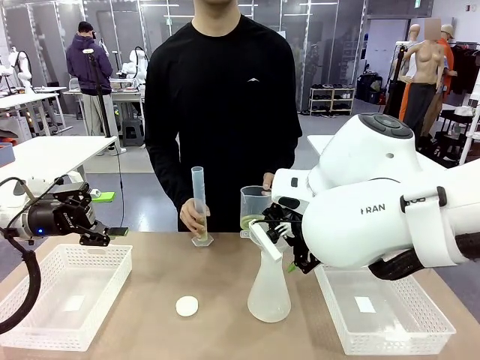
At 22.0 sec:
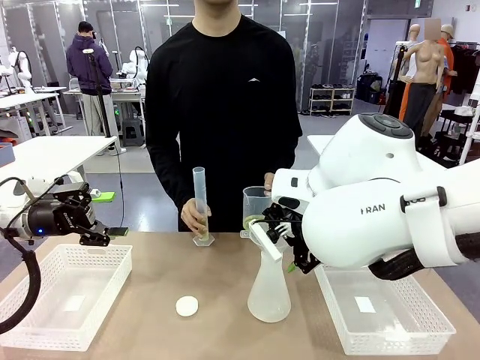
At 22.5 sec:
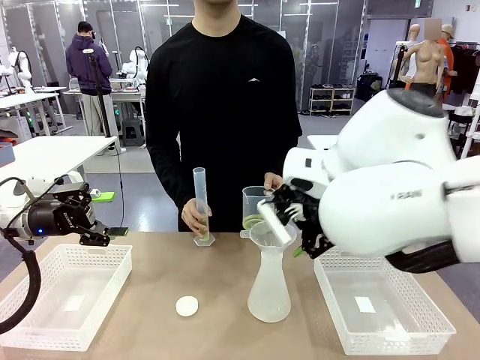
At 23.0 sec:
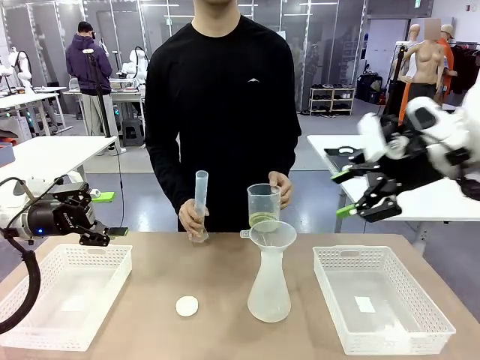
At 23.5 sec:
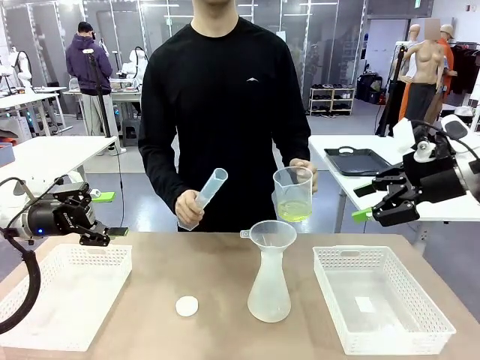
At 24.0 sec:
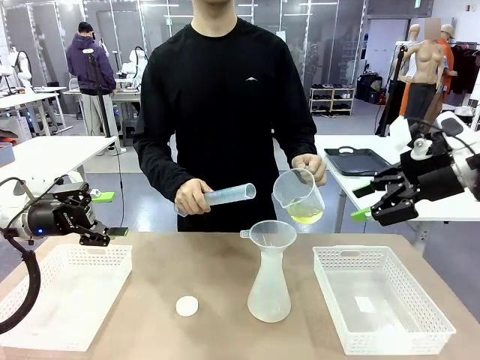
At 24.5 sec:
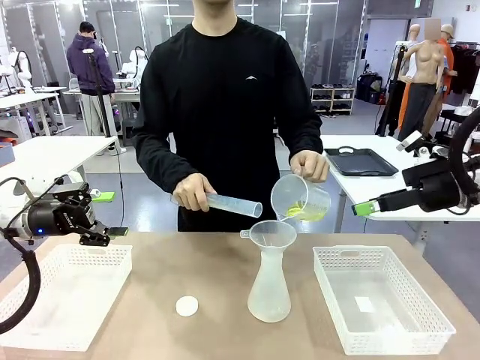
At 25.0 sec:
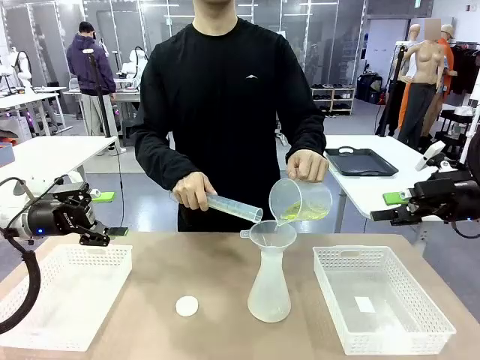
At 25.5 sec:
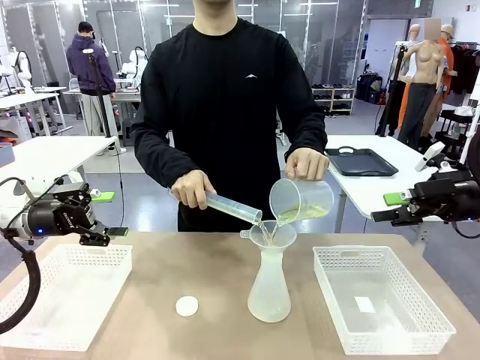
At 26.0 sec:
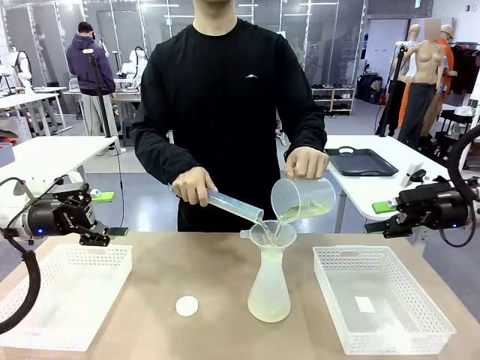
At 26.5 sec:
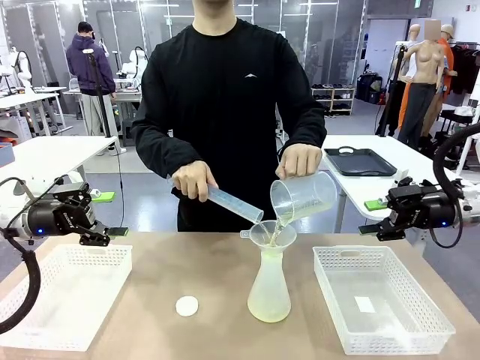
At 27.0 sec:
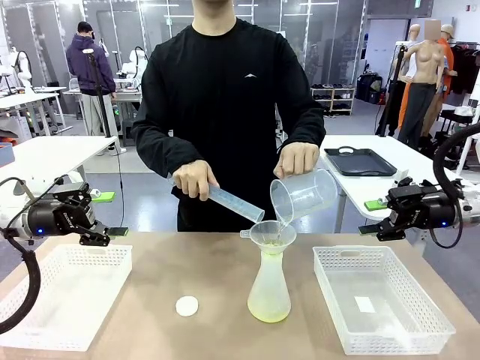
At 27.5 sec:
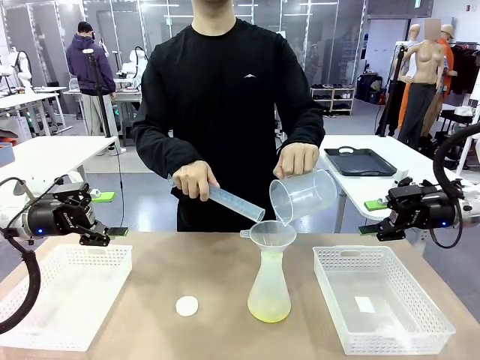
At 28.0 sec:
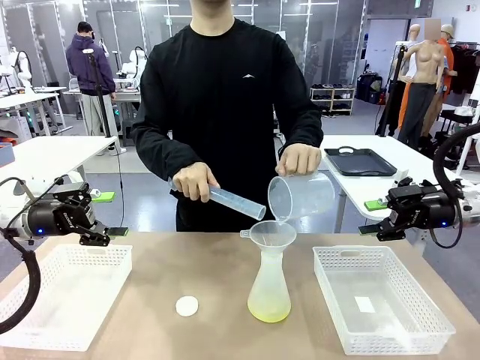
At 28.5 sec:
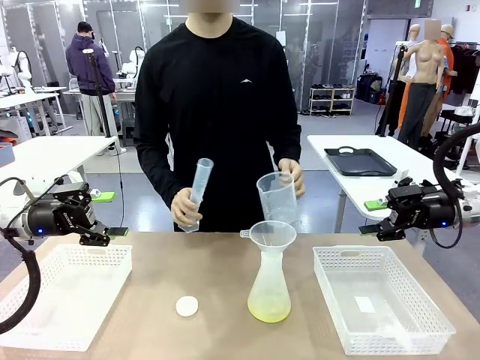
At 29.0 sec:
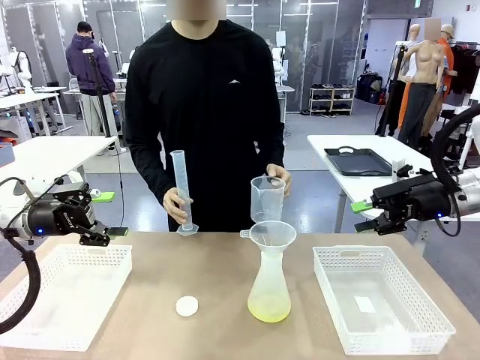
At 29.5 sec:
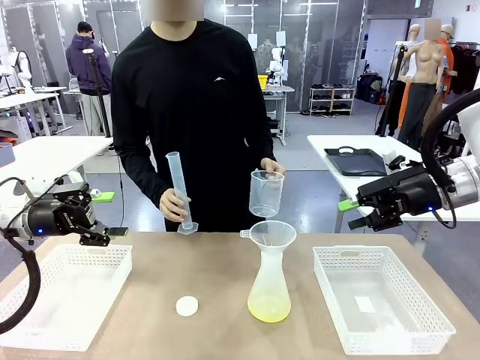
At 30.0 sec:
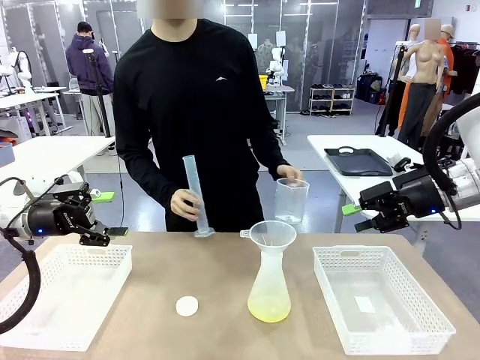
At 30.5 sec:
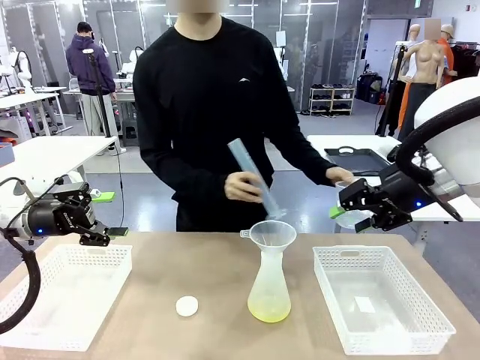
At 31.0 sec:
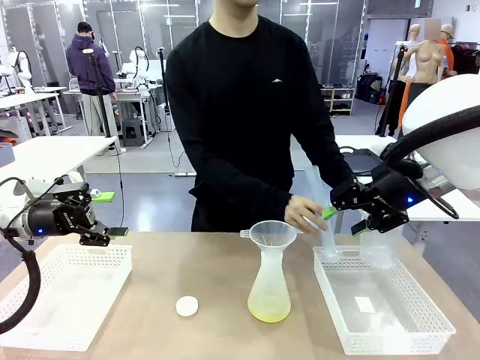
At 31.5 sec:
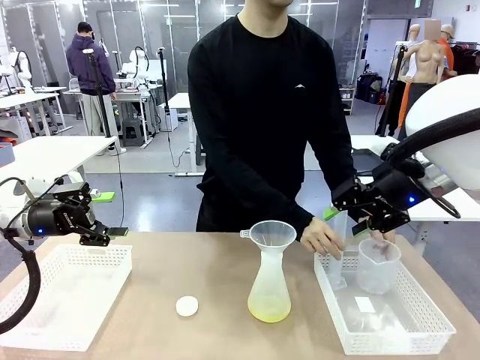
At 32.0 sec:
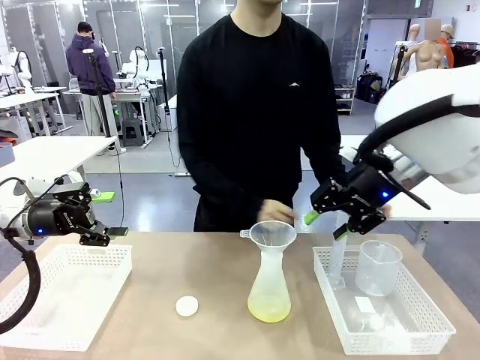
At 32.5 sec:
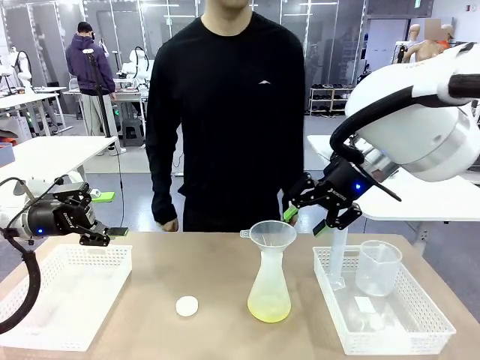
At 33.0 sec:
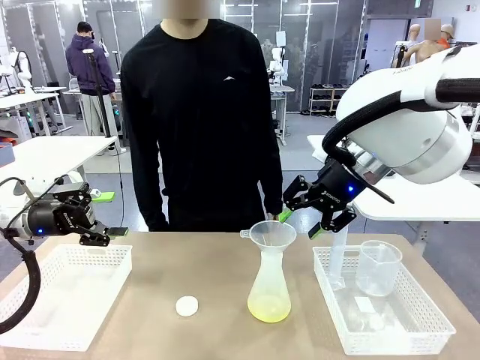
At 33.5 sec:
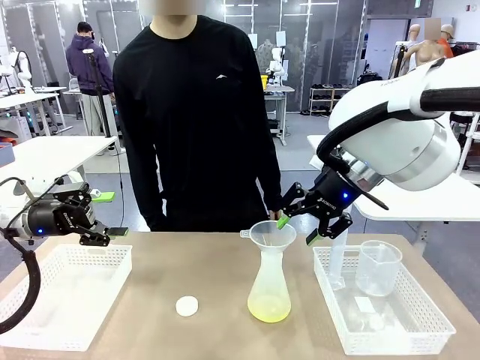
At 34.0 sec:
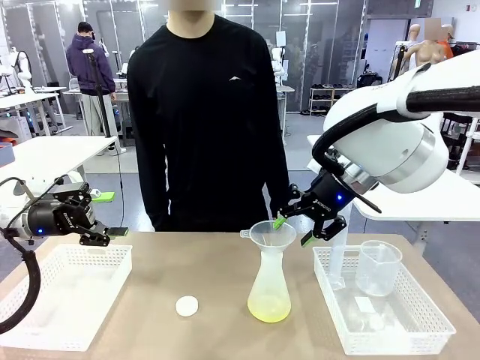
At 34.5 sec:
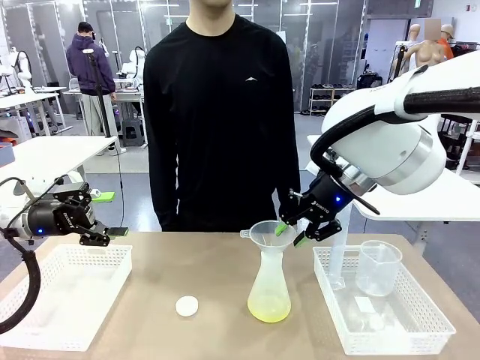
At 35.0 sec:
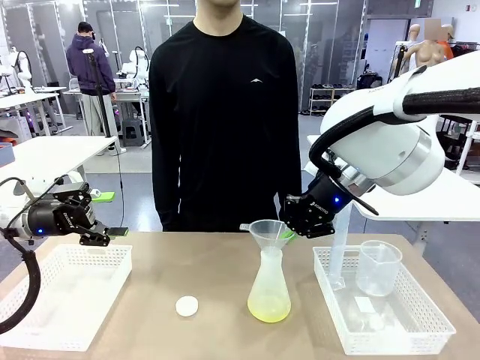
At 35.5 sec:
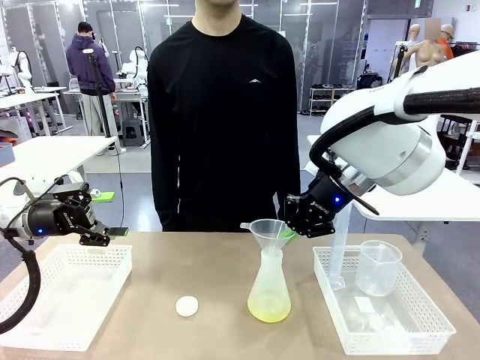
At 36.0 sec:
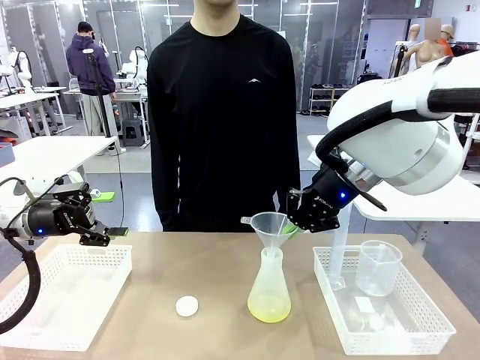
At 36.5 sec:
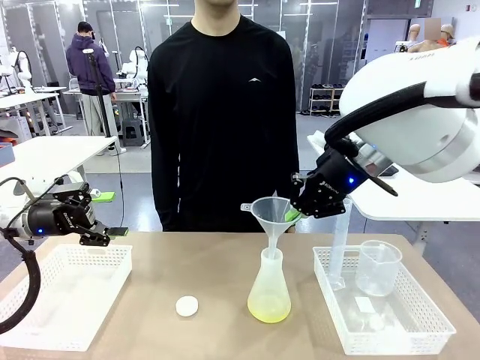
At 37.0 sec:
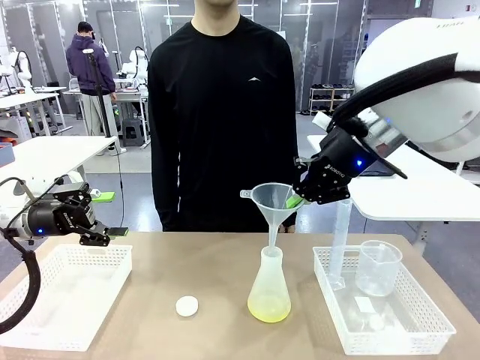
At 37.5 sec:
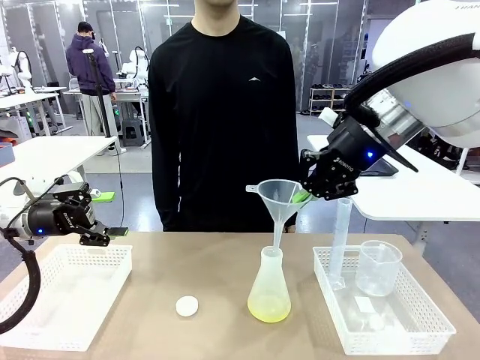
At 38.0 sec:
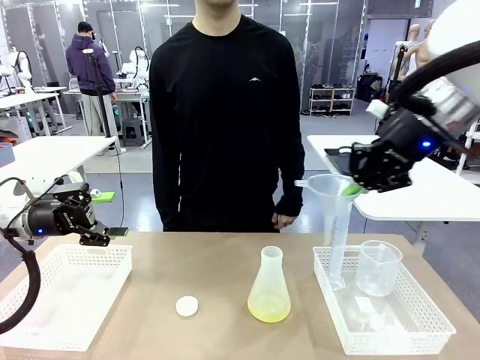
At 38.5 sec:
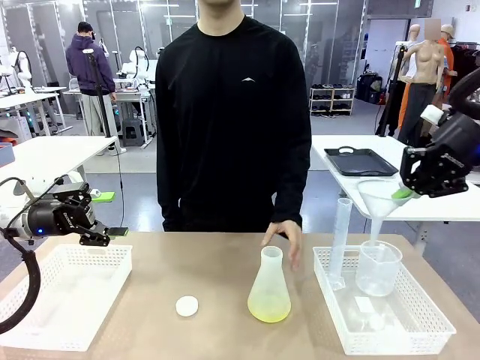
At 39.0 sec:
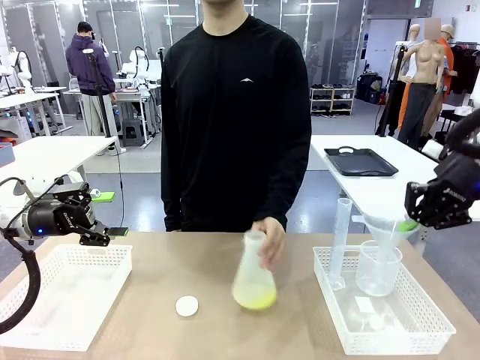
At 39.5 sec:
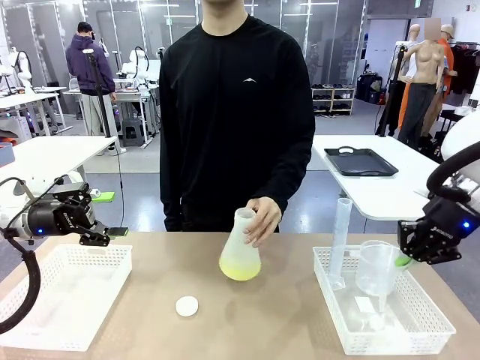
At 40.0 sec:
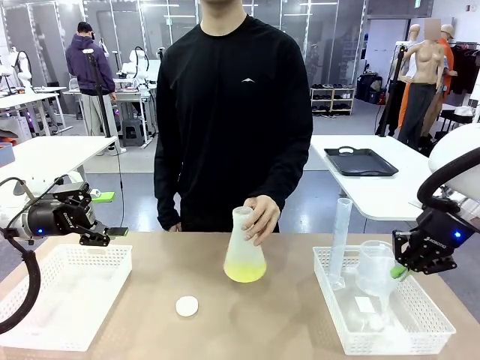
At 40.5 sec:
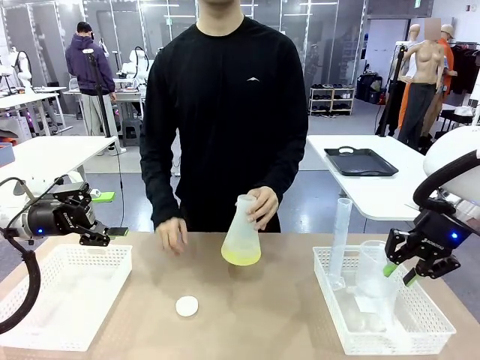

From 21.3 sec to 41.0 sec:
Task: Prepare the solutions needed for the experiment.
Robot: Once the solution is in the Big flask , pick up the Plastic Funnel and place it back into the right Organizing basket.
Person: Pour the solution from the beaker and the cylinder into the flask. Place the beaker and the cylinder into the organizing basket on the left side. Pick up the flask, gently shake it 2–3 times, place it in the middle of the robot table, and close the lid.
